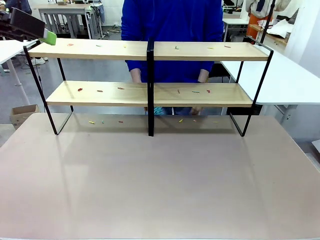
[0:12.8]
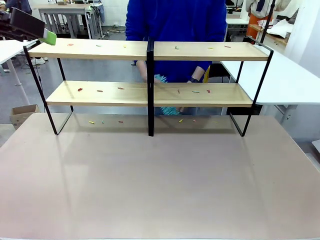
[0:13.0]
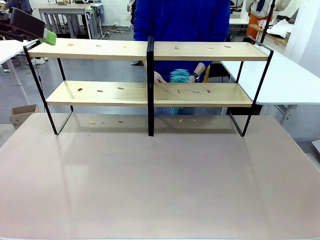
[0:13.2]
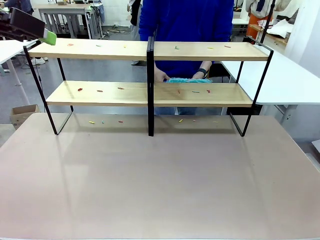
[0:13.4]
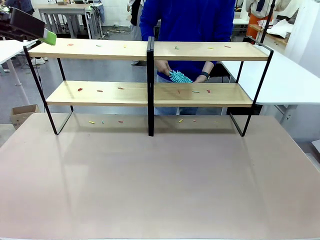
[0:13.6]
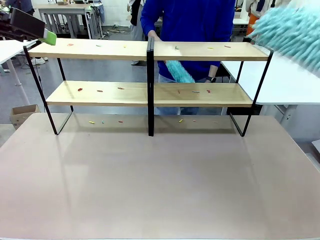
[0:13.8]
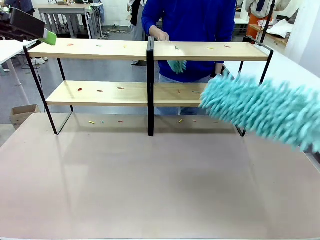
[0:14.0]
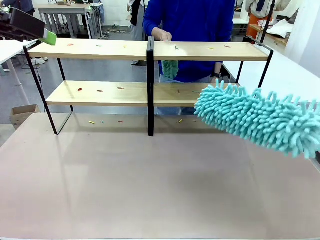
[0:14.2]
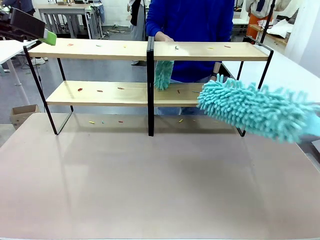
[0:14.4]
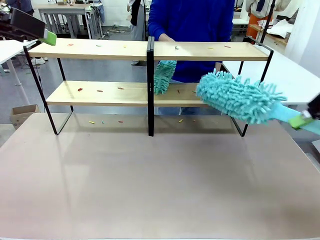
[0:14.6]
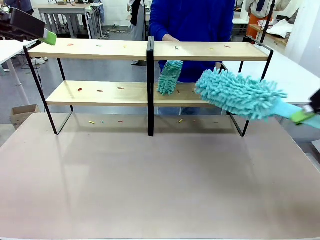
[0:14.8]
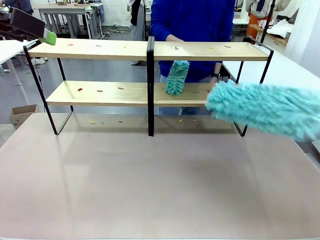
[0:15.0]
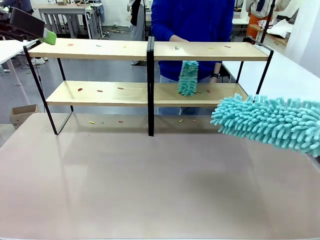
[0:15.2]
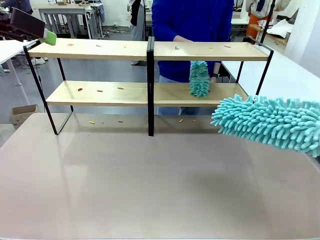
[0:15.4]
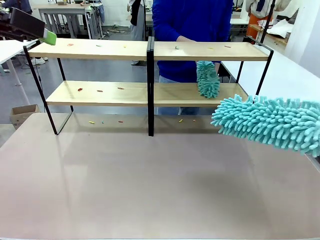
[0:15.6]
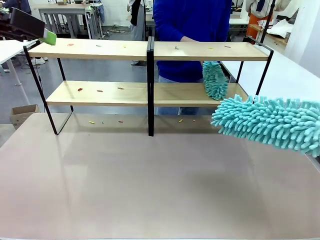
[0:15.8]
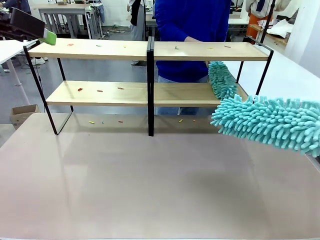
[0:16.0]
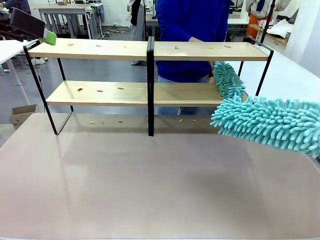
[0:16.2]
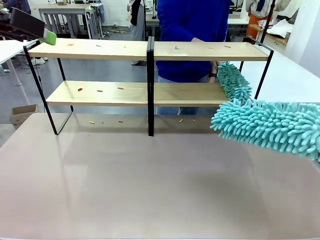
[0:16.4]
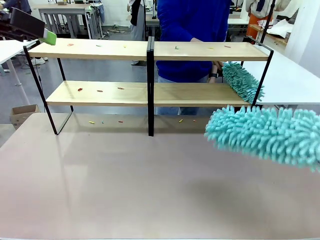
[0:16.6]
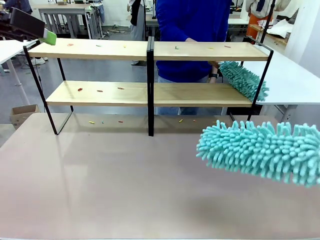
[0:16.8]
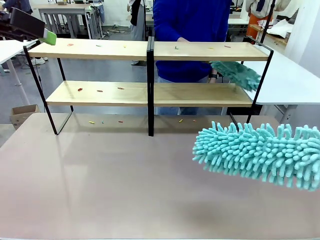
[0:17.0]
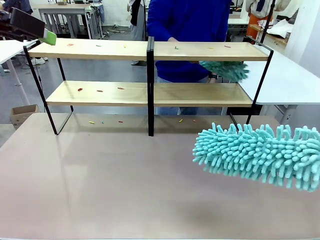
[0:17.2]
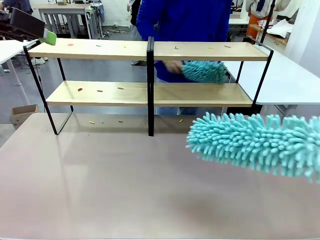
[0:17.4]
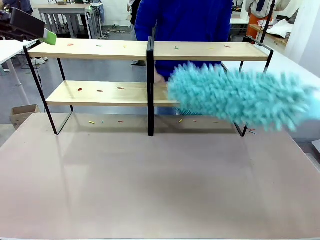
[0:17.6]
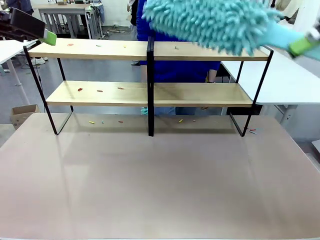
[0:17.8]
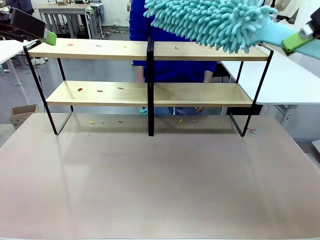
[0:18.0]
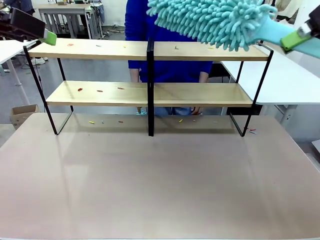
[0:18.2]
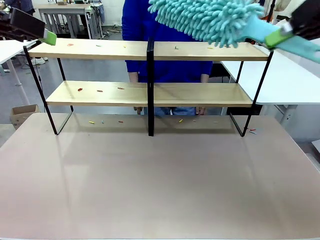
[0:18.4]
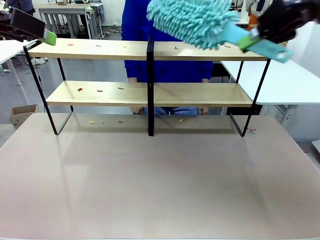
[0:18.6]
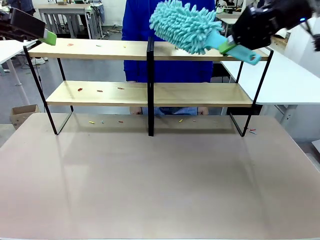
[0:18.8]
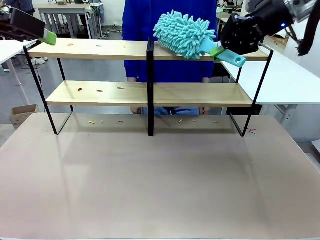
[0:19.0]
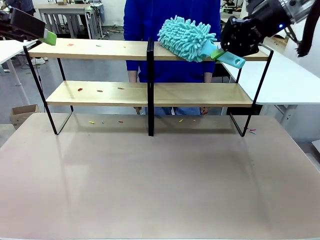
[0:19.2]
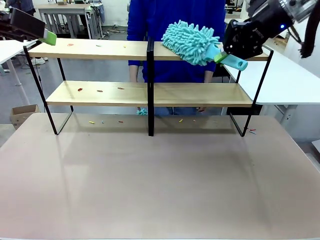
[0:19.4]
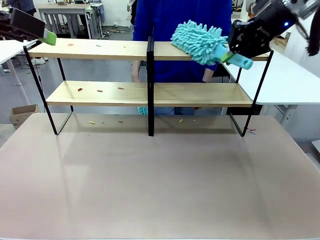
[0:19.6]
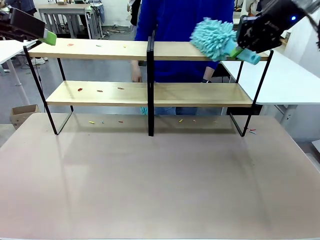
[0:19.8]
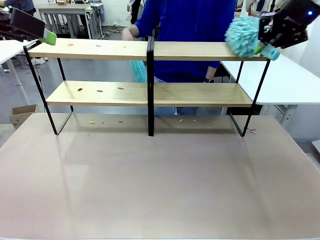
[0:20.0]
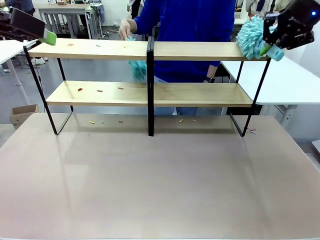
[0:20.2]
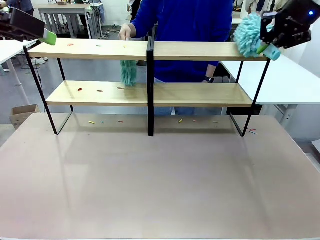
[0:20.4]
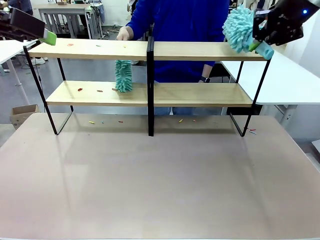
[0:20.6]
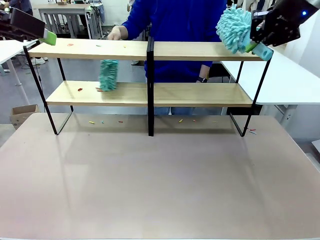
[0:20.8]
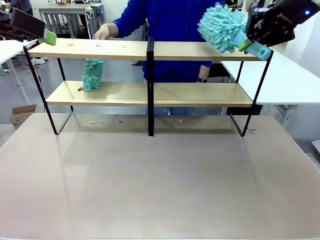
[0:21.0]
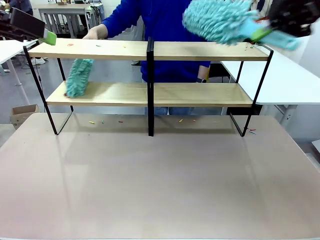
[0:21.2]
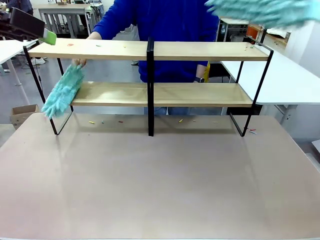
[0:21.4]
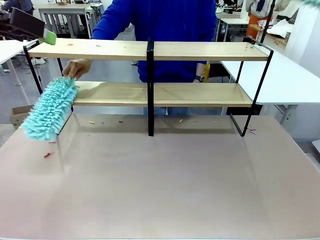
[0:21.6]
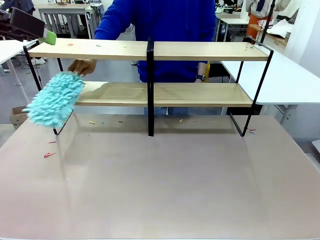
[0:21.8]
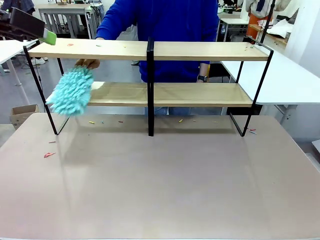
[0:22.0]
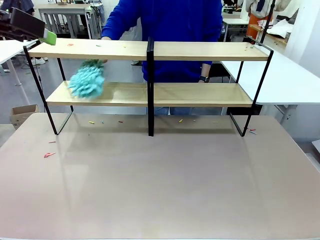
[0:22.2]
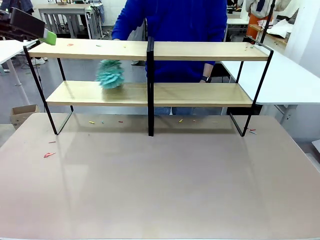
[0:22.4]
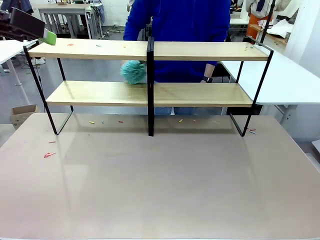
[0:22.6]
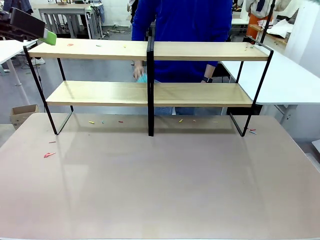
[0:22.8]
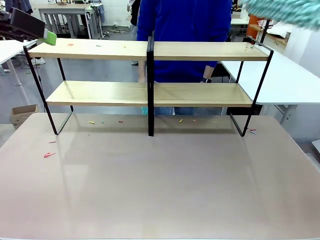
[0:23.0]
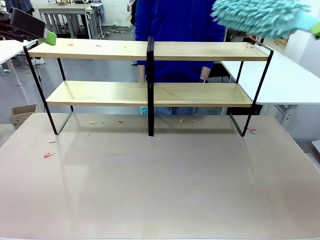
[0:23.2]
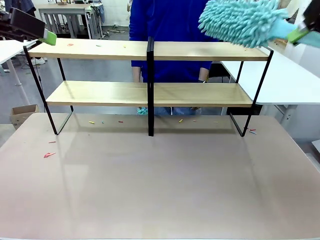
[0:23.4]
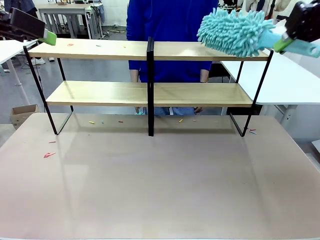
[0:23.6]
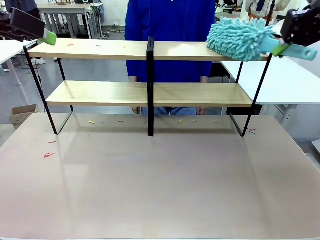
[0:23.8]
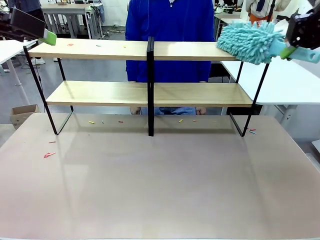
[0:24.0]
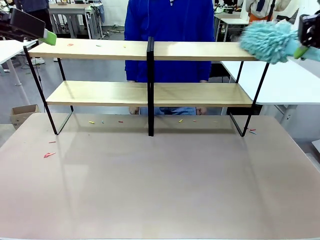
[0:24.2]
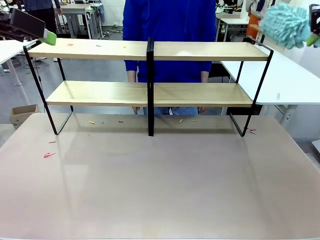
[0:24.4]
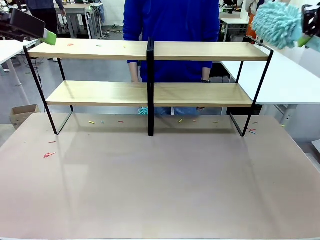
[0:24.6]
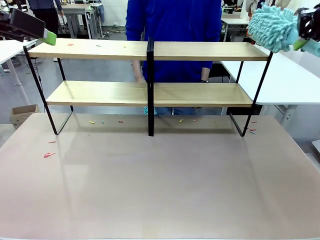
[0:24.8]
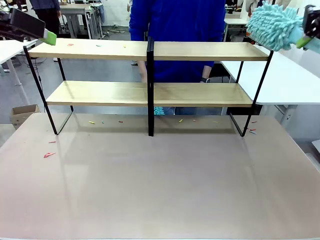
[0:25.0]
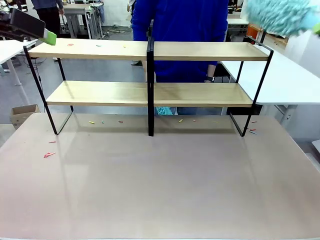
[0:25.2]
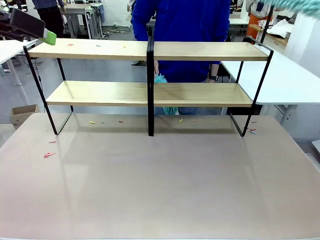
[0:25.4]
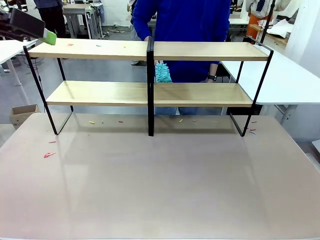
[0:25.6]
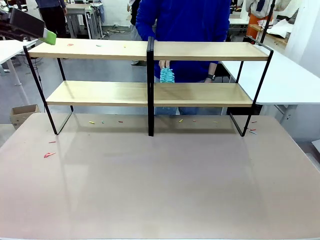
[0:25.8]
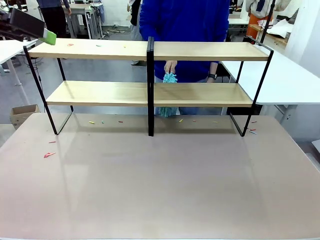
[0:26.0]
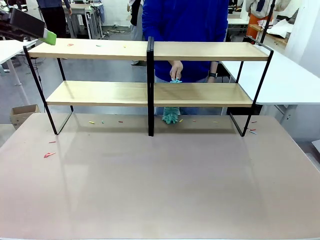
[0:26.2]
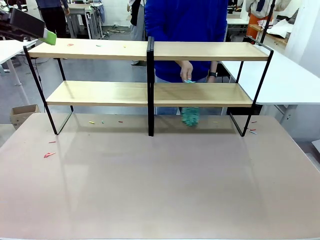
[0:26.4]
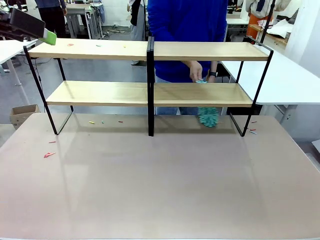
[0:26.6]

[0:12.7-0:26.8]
Task: Clean the shelves.
Robot: Clean a randomly selected level of the Shelf with the Duster.

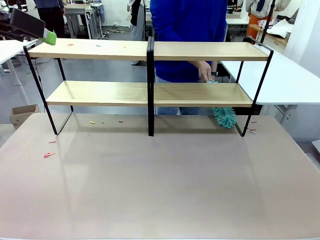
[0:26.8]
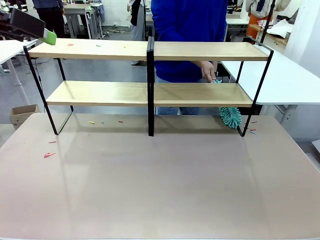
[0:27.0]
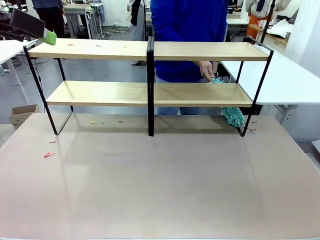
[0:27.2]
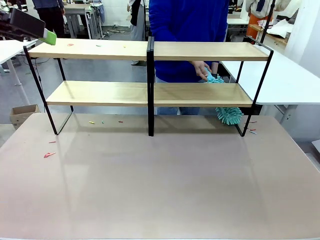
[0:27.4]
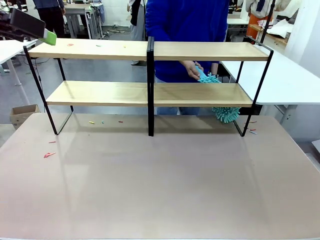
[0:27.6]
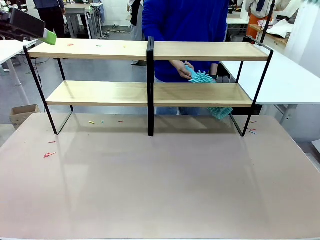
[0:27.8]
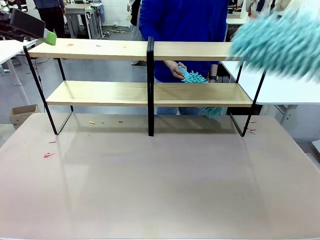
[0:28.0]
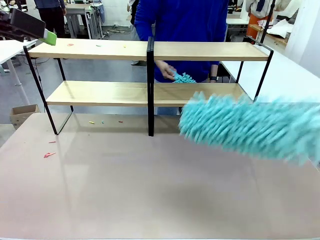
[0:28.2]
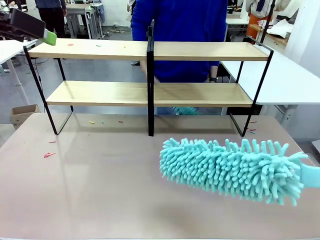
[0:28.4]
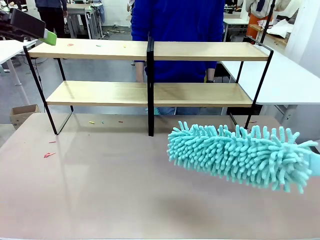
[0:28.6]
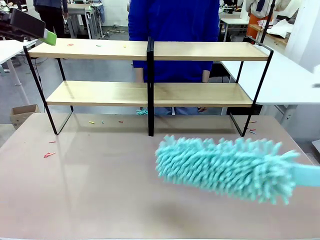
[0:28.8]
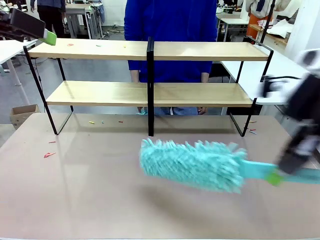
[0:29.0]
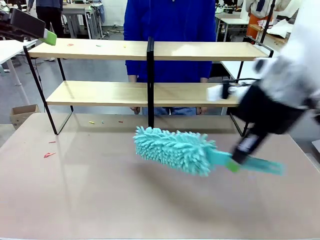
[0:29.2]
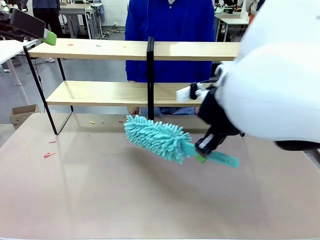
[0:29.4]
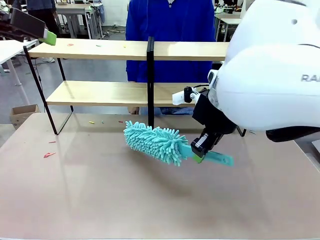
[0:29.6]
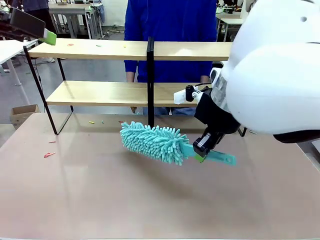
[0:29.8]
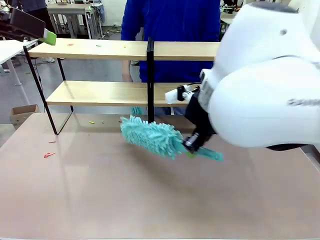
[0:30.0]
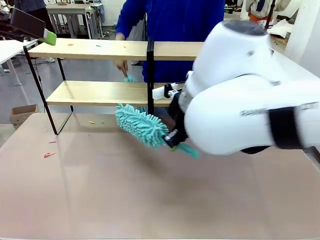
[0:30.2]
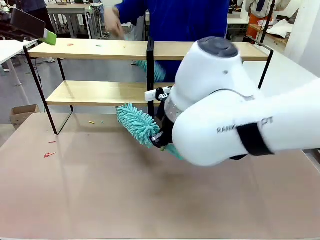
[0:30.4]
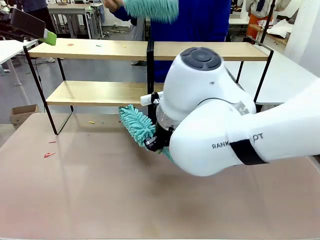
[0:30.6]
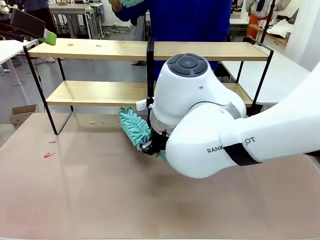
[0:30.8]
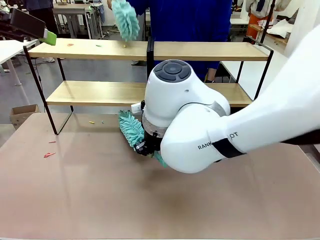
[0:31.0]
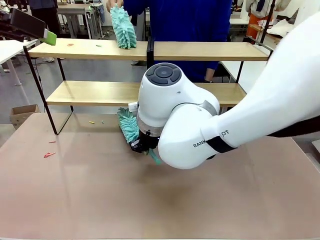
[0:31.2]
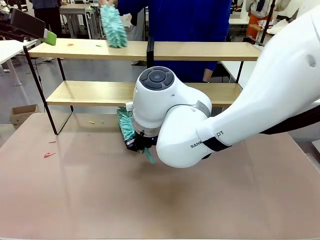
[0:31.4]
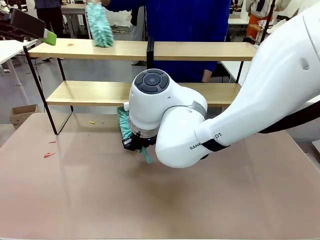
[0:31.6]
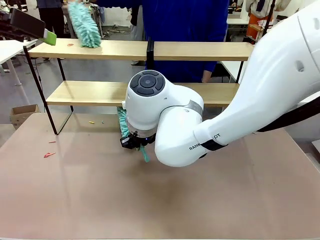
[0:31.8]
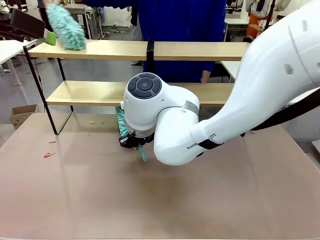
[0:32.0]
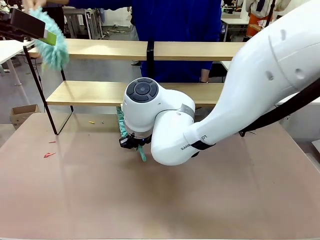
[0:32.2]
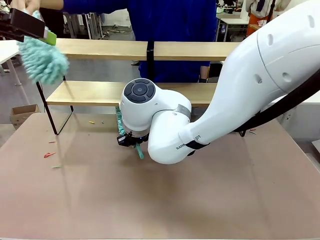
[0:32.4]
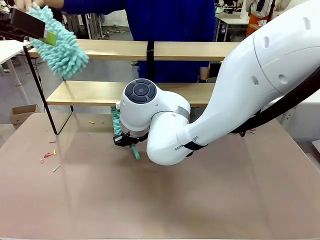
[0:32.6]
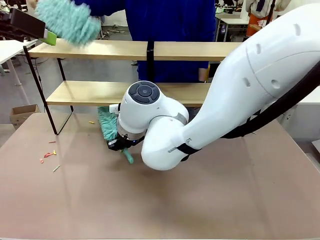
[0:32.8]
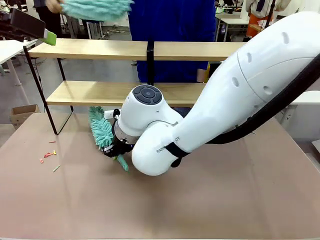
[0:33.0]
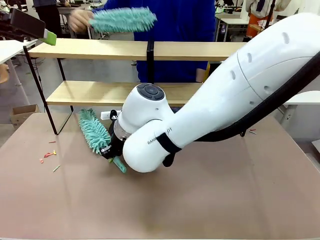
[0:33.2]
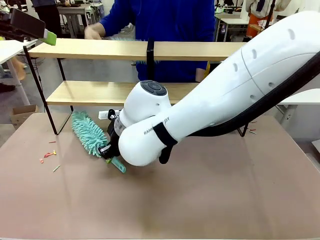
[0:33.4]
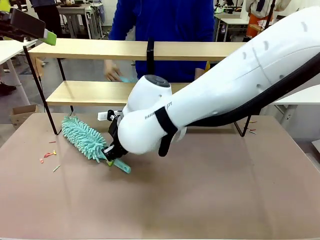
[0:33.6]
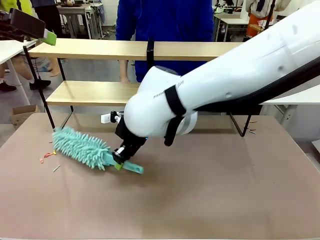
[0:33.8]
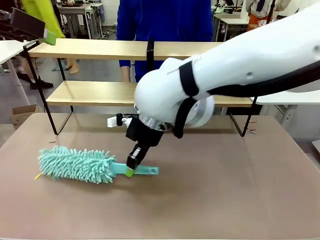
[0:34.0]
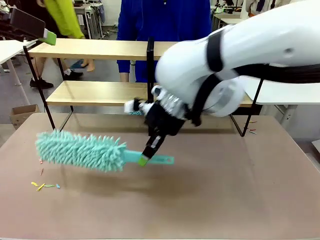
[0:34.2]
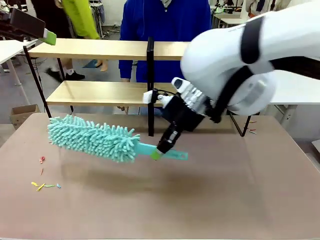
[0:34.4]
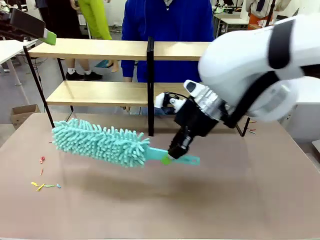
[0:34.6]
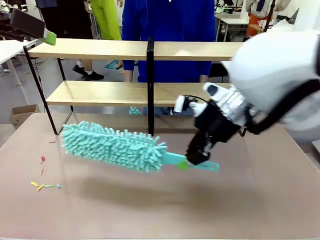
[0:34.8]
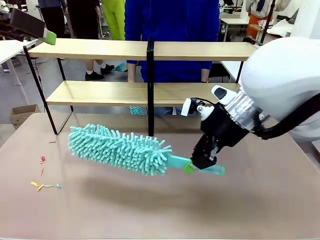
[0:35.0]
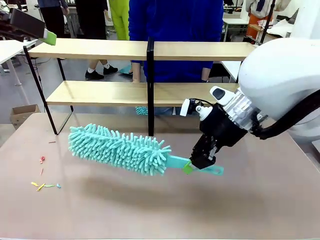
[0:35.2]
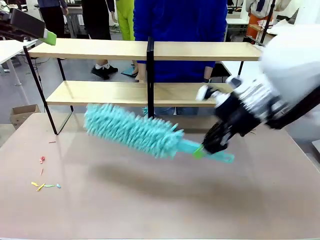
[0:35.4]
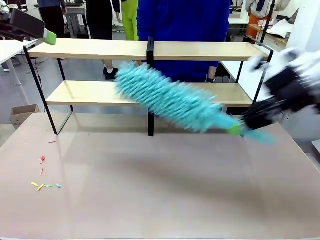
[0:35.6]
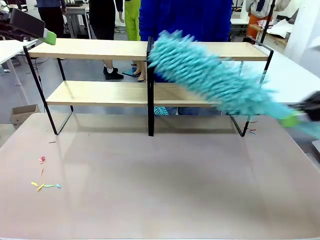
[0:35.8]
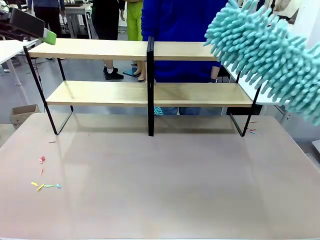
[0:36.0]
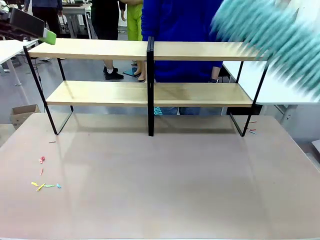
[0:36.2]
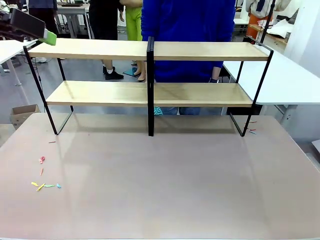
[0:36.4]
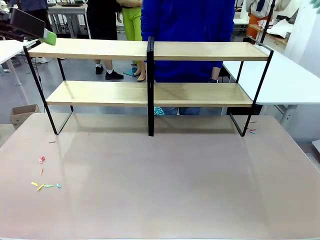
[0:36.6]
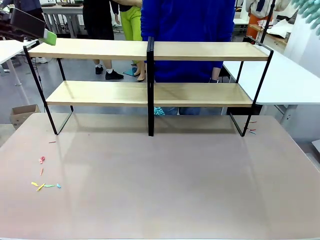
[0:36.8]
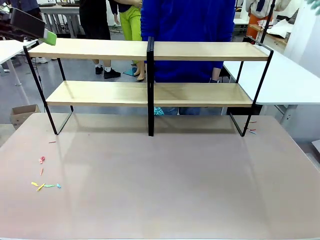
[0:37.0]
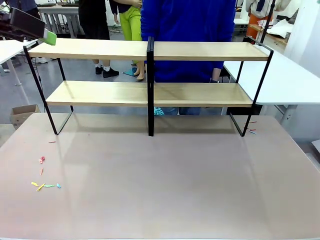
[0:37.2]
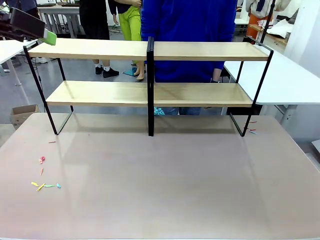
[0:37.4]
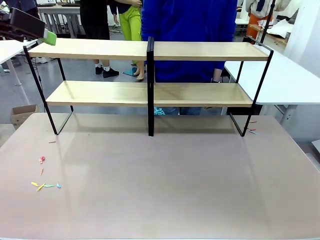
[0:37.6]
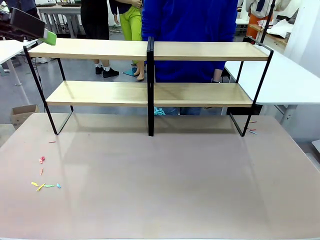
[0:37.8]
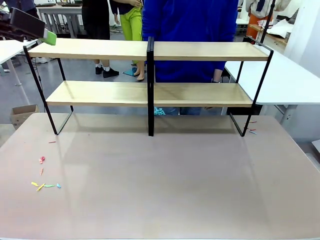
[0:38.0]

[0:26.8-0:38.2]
Robot: Clean another randomly selected level of the Shelf with the Duster.
